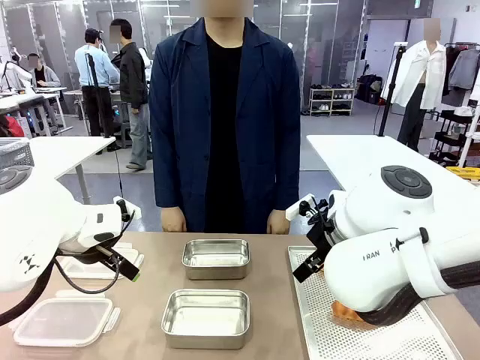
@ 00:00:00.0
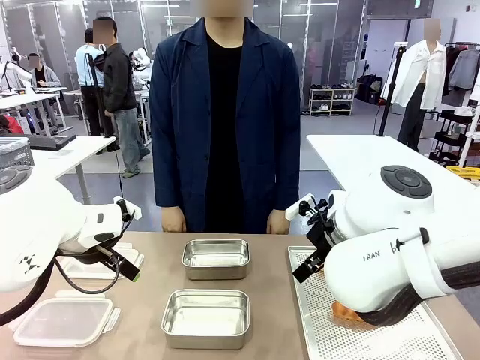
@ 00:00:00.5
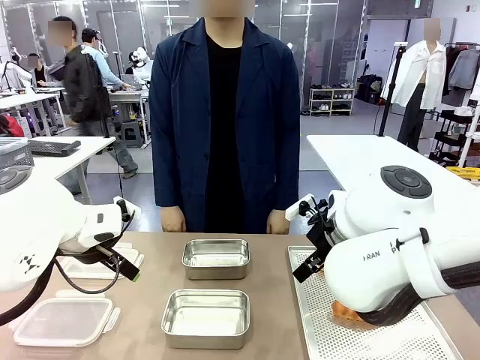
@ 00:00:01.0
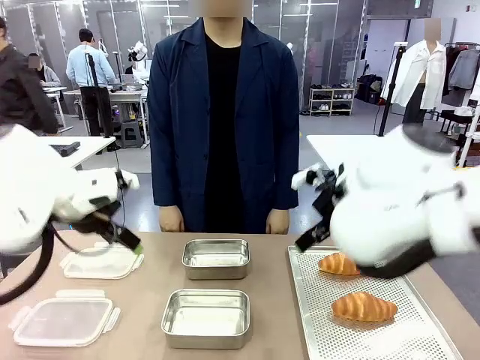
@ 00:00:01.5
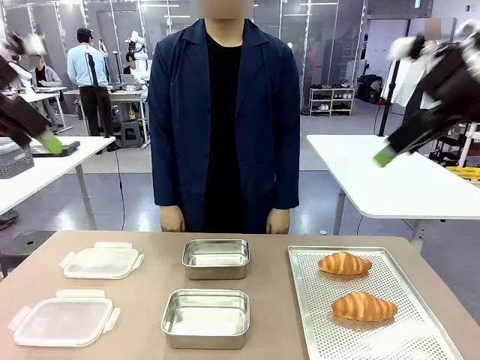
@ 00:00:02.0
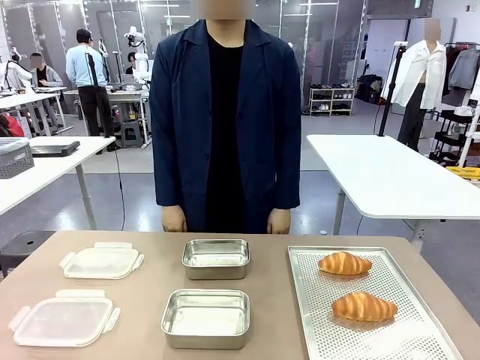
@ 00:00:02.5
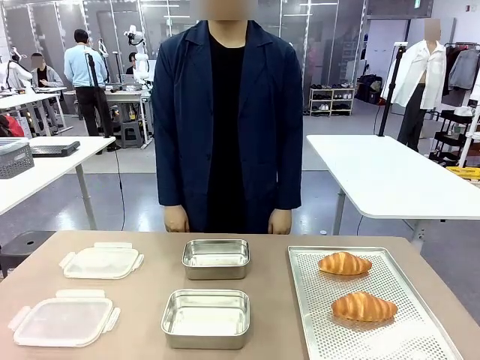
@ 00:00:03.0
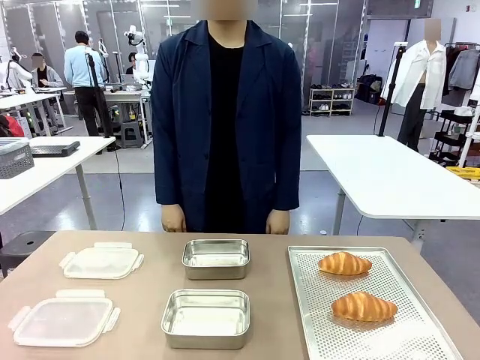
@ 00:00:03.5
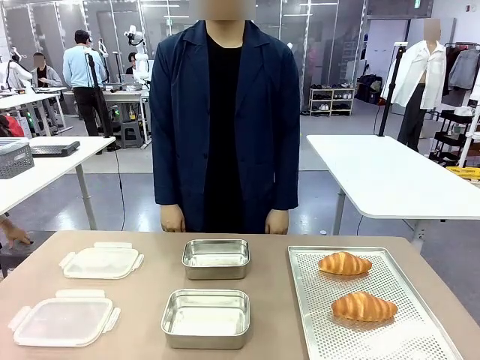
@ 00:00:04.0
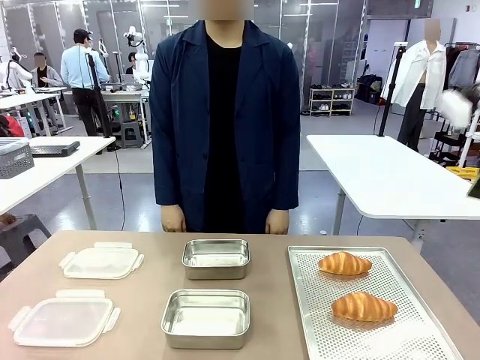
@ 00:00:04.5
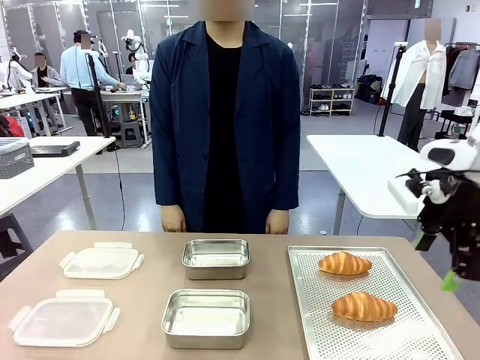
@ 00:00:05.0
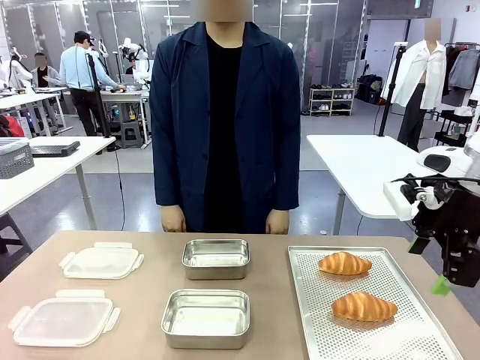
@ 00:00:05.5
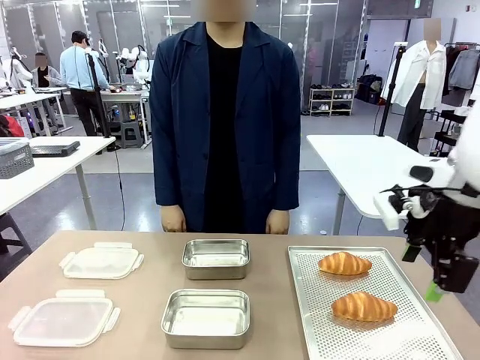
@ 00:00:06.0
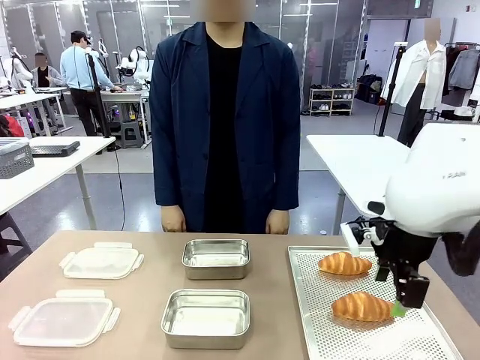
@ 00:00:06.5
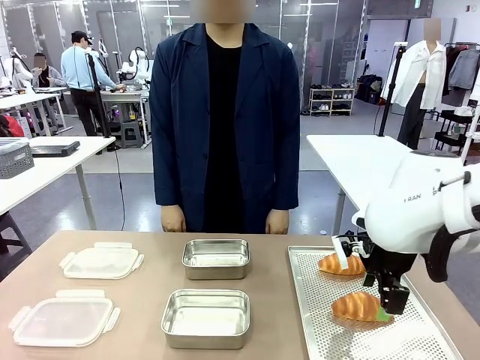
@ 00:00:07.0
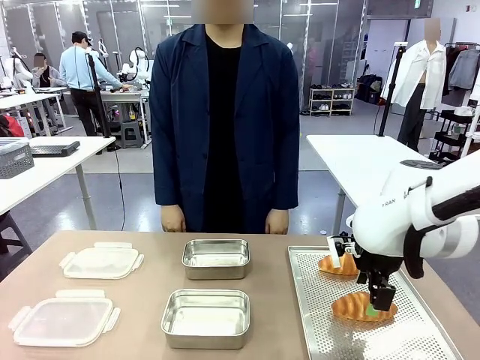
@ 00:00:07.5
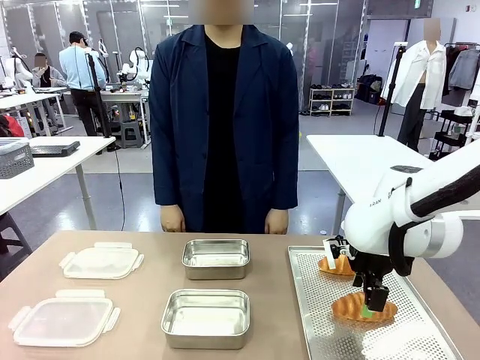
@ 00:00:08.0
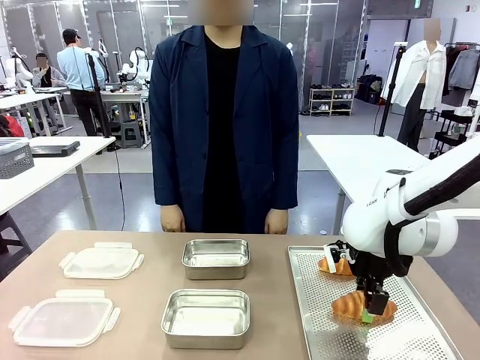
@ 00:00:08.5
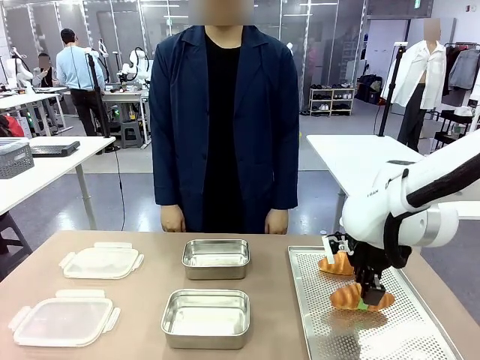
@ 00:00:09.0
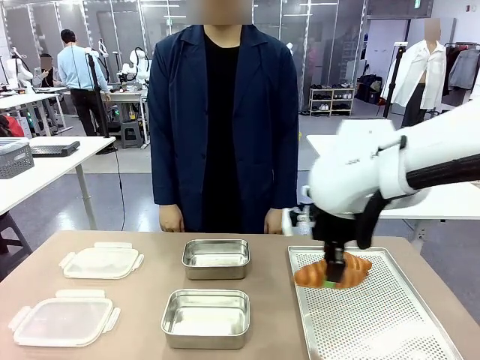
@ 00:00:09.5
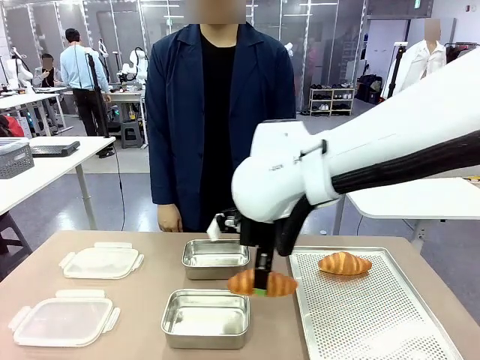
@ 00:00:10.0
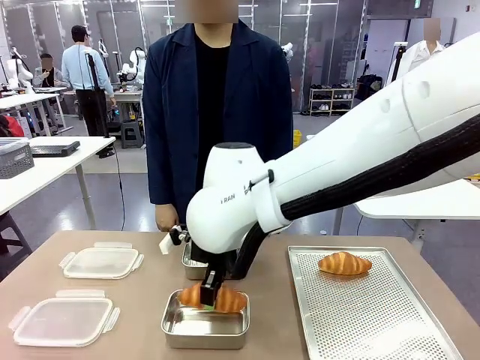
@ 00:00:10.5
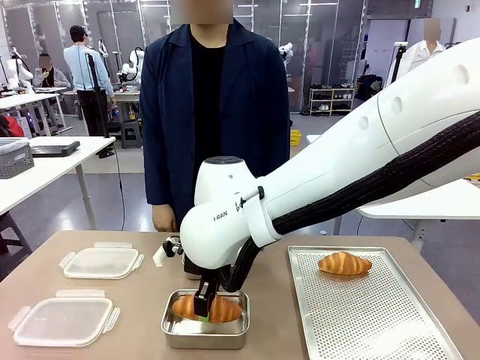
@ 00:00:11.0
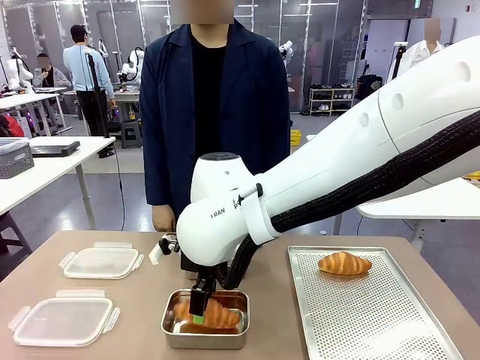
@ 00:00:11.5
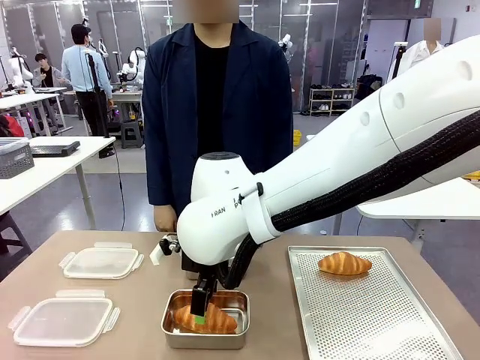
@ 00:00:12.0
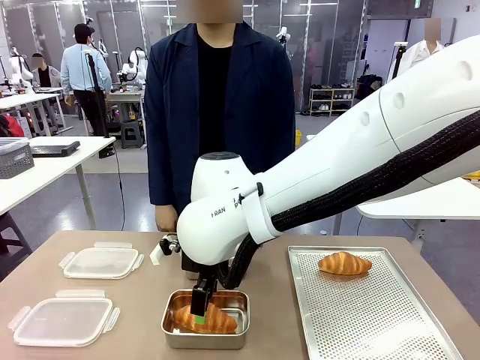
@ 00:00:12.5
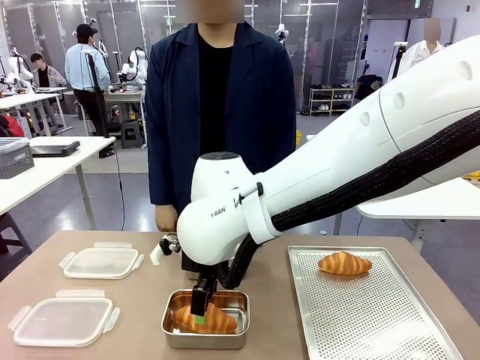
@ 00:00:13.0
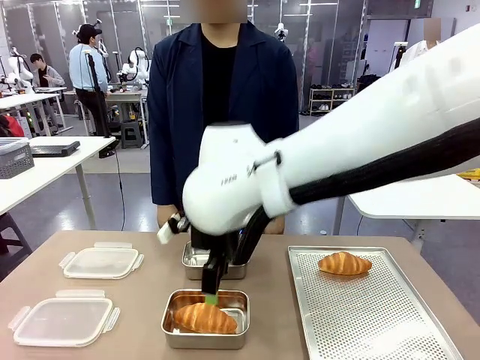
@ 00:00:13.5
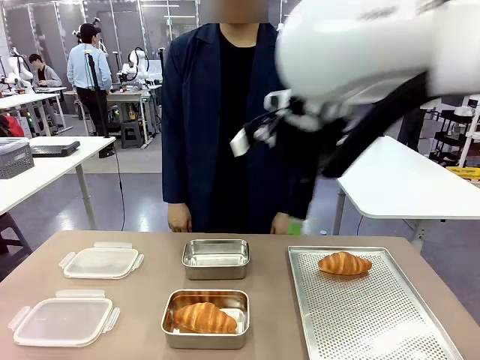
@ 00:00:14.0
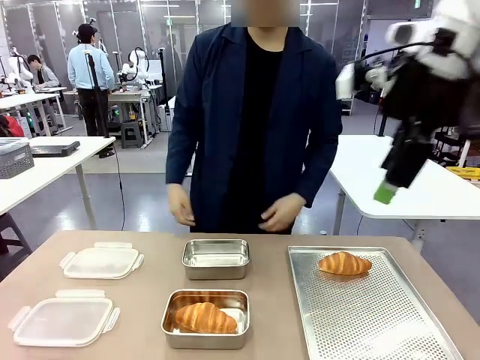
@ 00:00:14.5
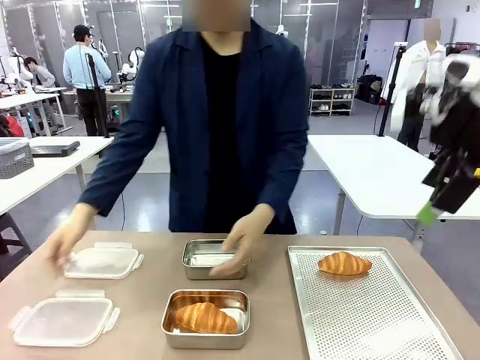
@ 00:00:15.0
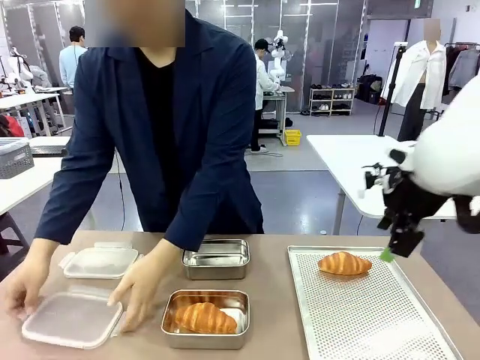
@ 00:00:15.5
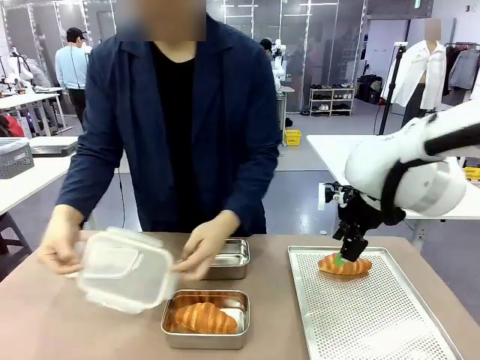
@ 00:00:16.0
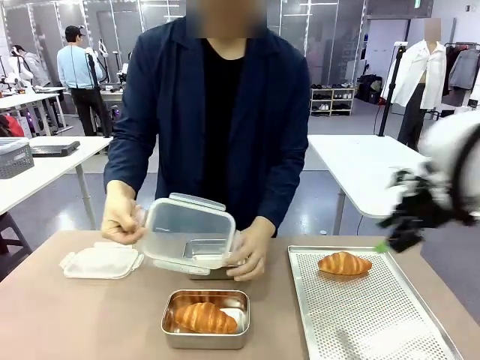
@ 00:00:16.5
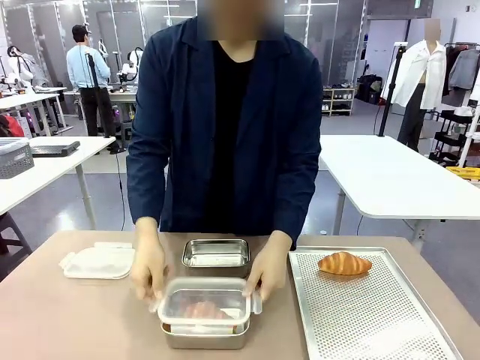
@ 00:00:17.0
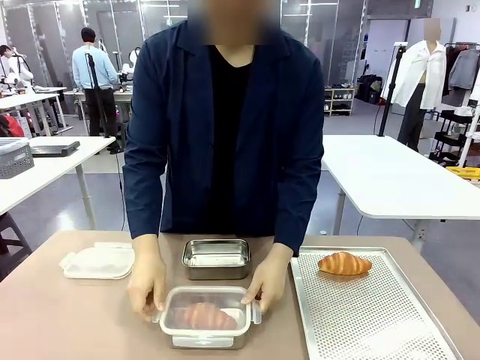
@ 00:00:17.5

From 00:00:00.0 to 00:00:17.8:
Task: Place the bread into the airtight container.
Robot: Pick up a Butter Roll and place it into an empty Airtight Container.
